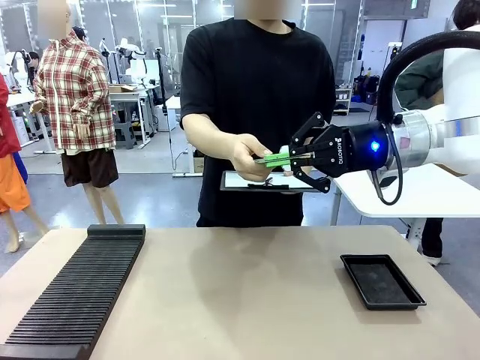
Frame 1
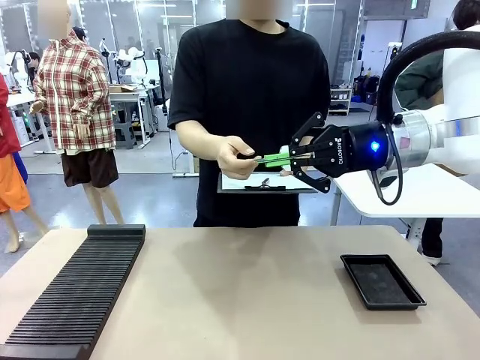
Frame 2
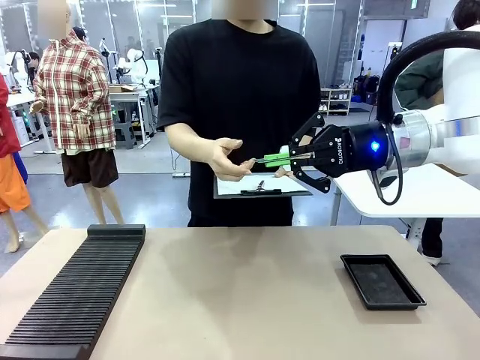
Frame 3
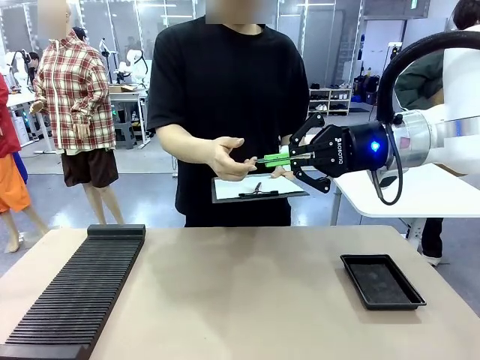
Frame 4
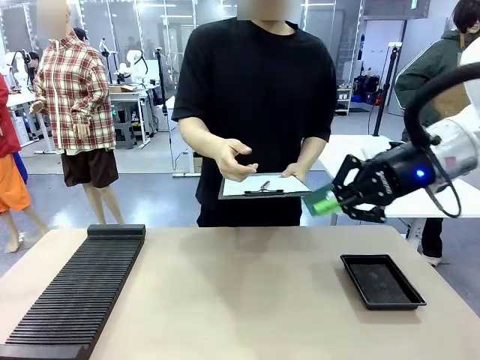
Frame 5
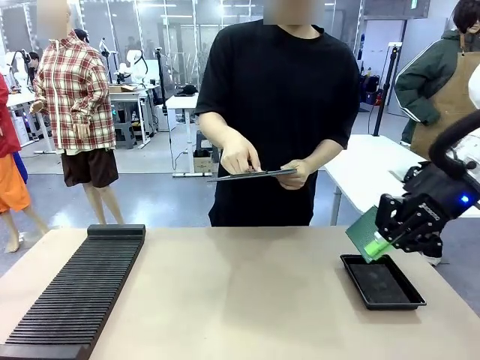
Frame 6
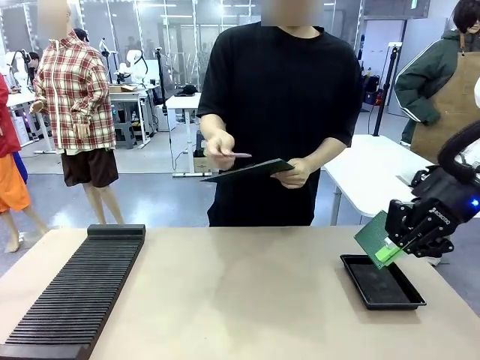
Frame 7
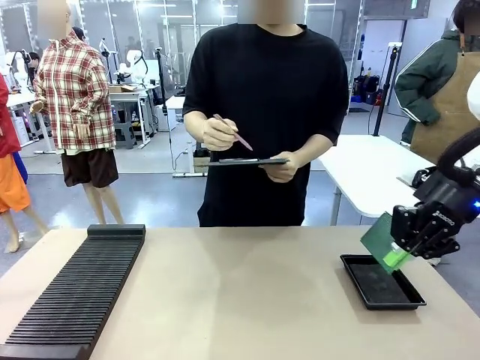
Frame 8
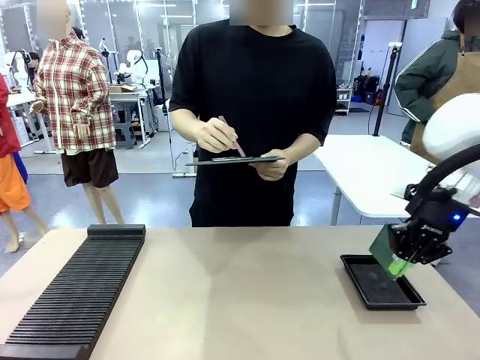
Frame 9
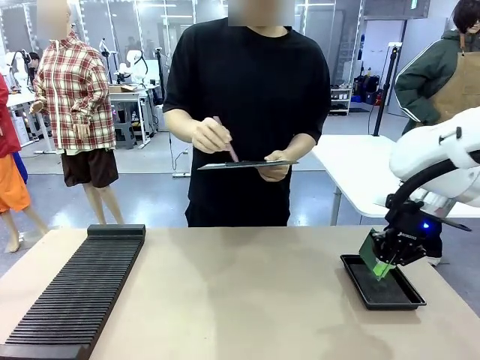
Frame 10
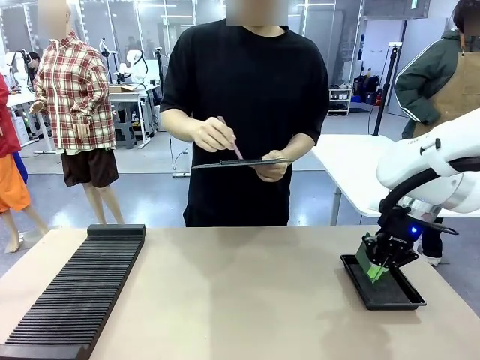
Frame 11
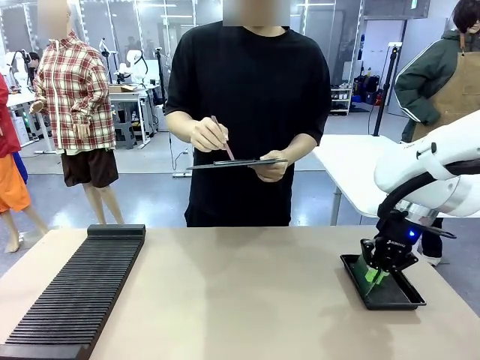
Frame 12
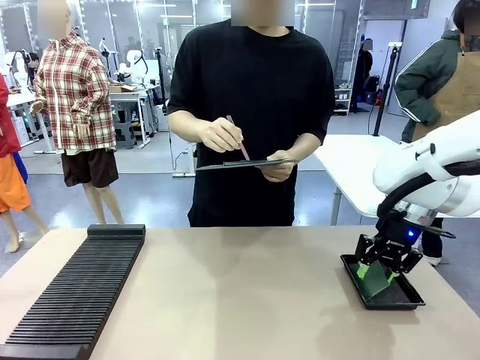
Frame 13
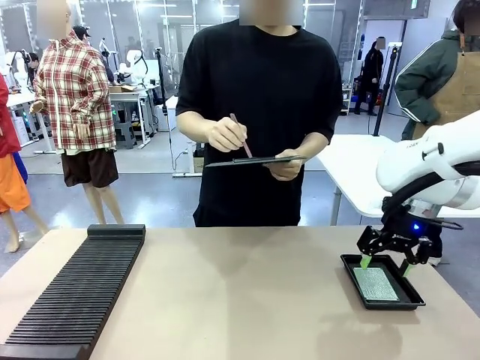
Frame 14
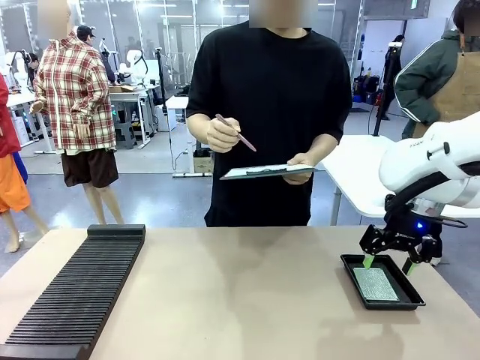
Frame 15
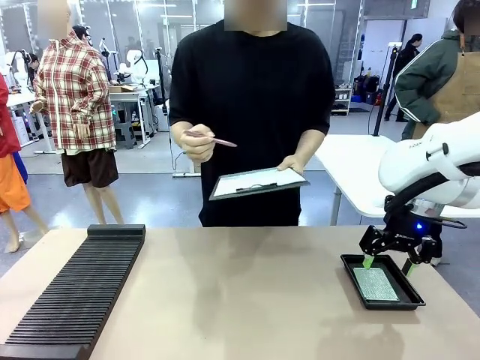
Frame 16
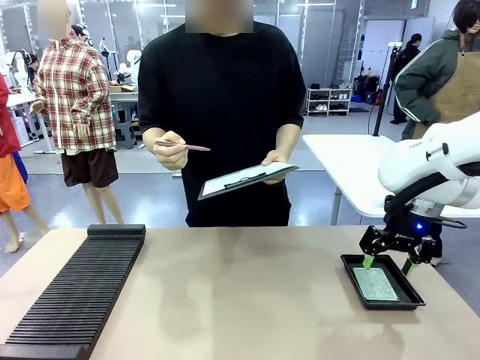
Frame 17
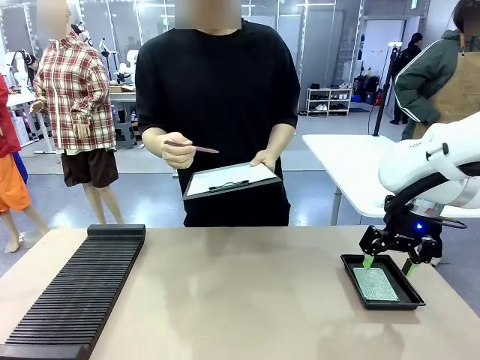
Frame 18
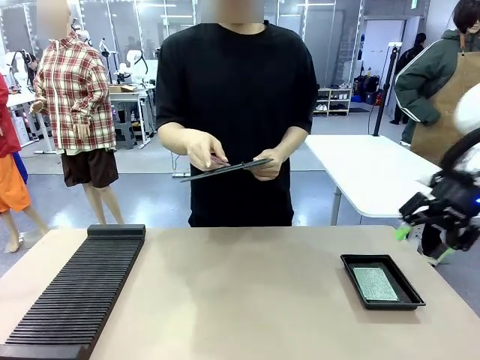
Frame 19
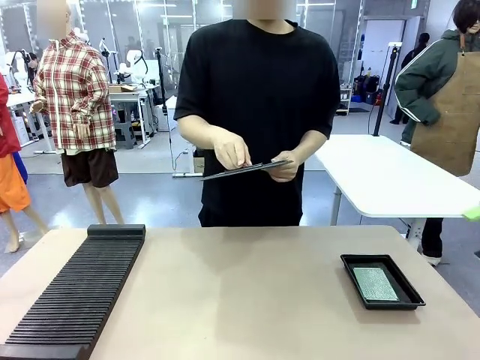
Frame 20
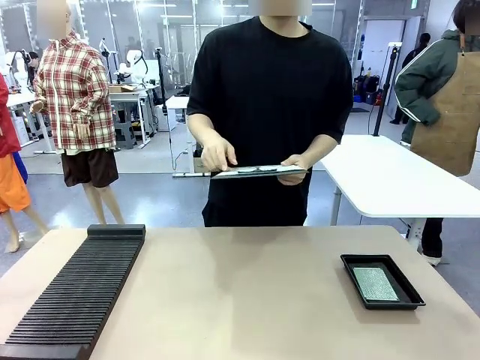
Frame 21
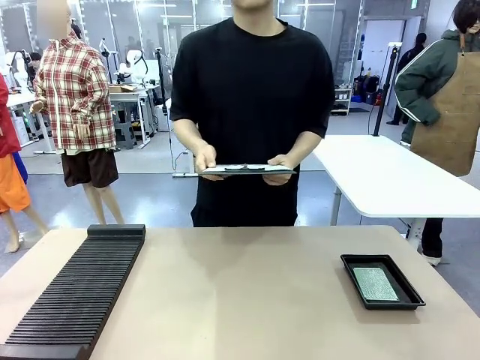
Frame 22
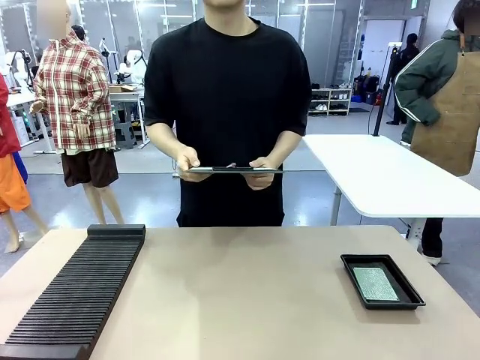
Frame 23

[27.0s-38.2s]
Task: Inspect the PCB.
Robot: Place the Blank PCB in the ESD tray.
Person: Record the PCB status on the paper.

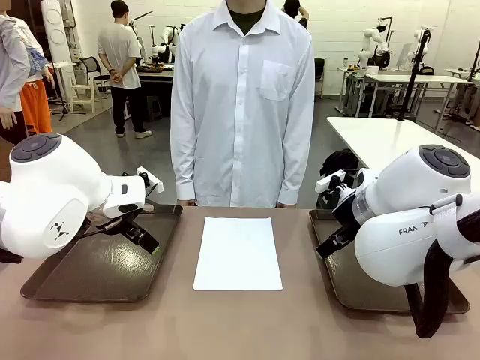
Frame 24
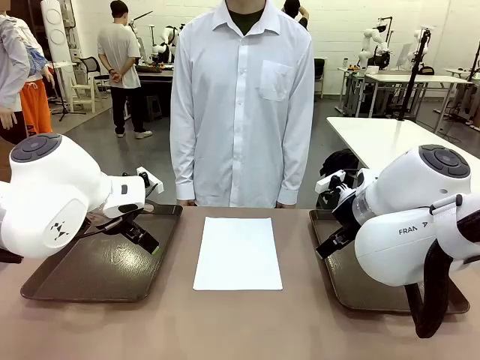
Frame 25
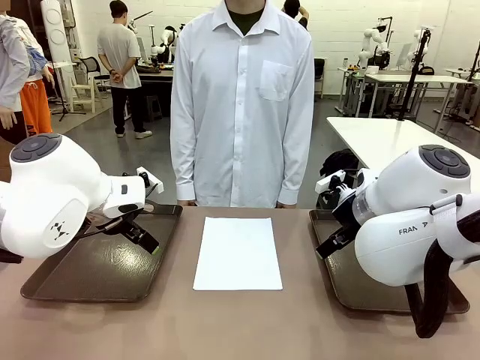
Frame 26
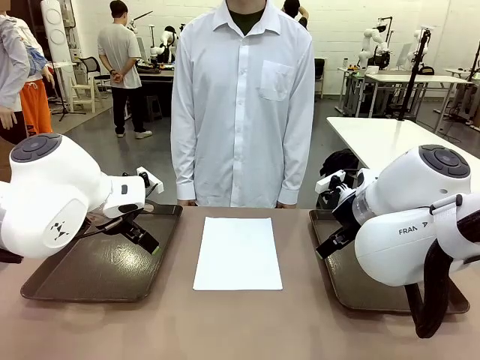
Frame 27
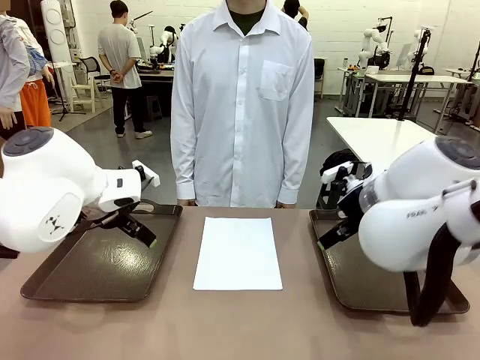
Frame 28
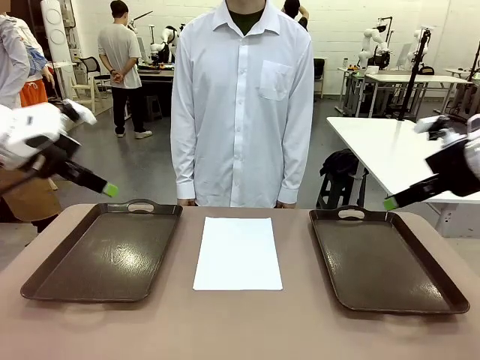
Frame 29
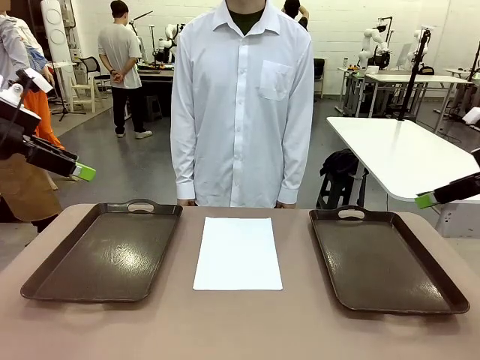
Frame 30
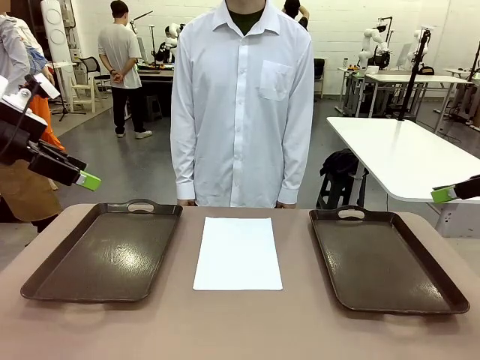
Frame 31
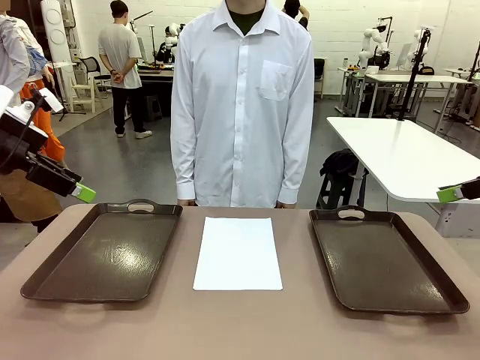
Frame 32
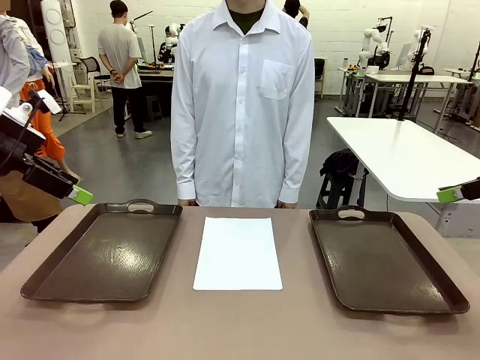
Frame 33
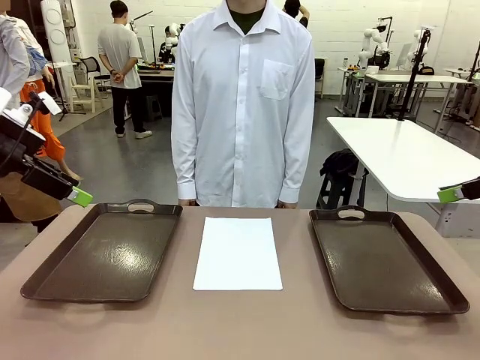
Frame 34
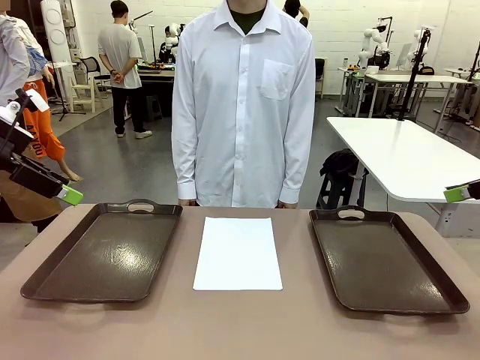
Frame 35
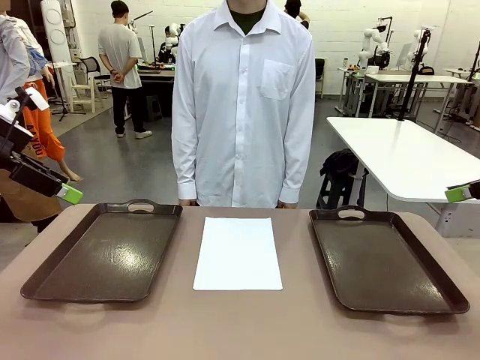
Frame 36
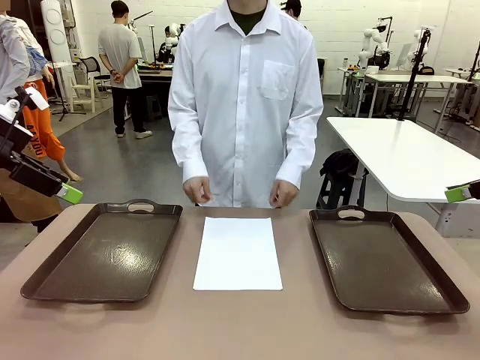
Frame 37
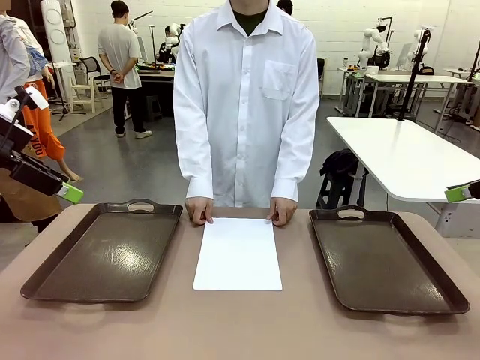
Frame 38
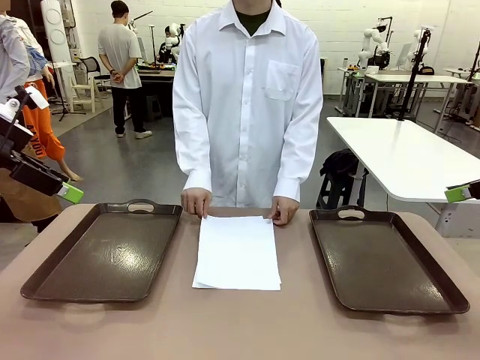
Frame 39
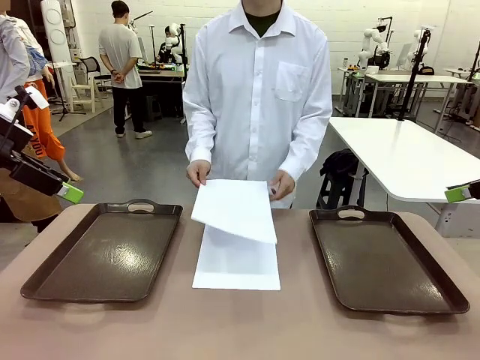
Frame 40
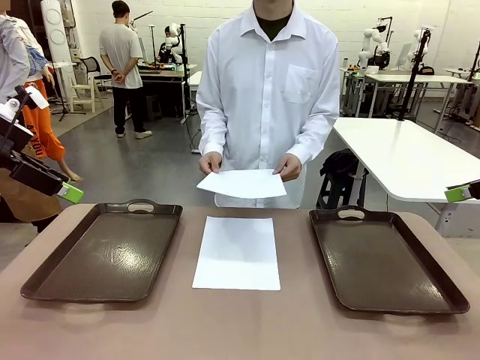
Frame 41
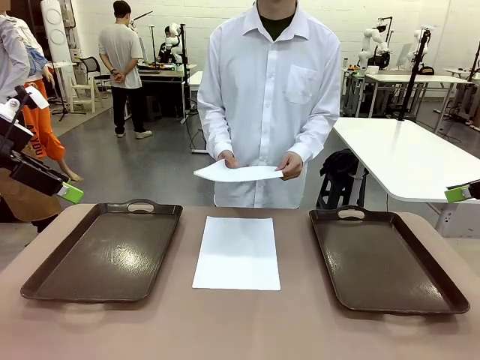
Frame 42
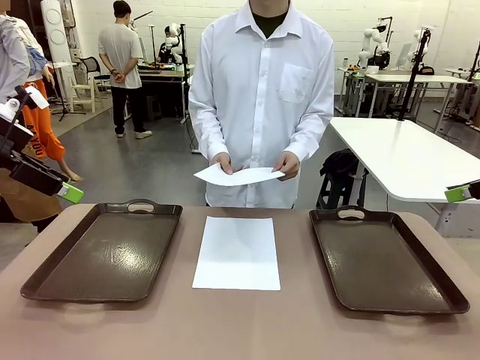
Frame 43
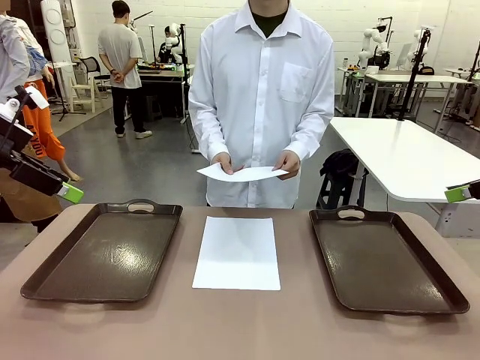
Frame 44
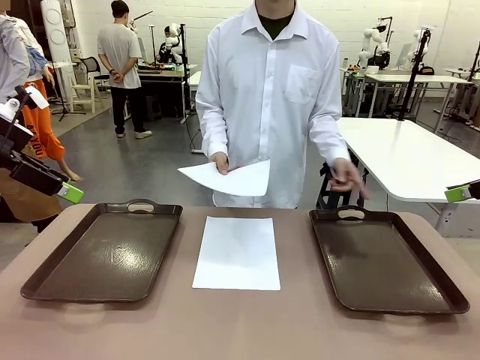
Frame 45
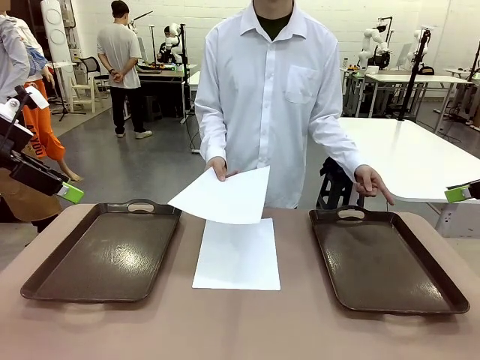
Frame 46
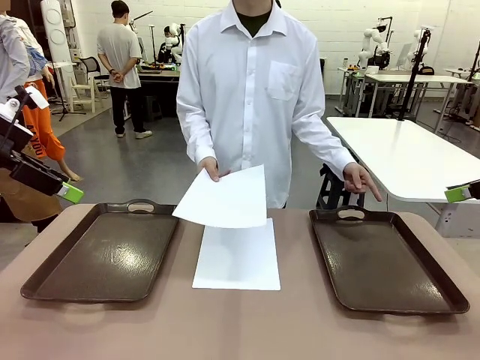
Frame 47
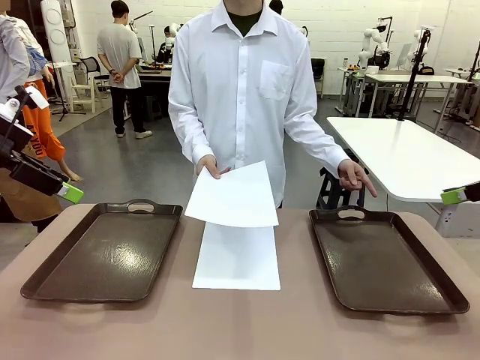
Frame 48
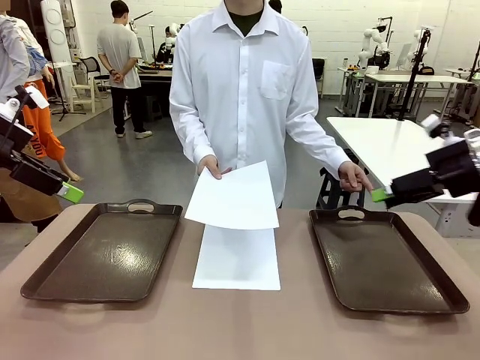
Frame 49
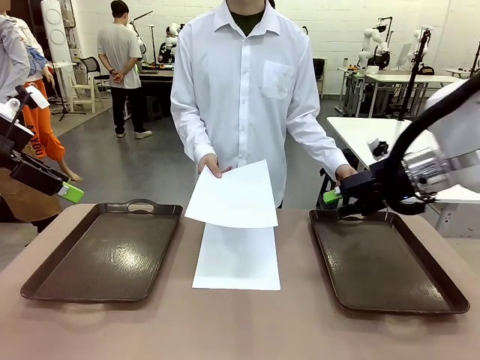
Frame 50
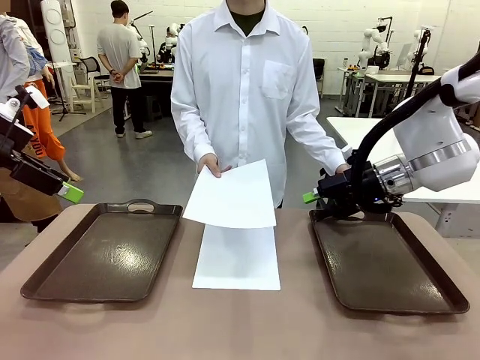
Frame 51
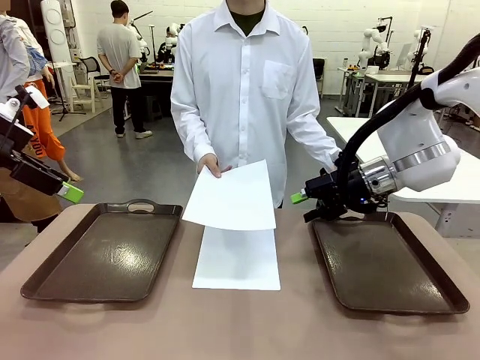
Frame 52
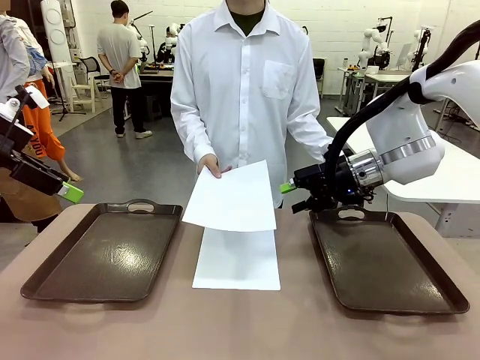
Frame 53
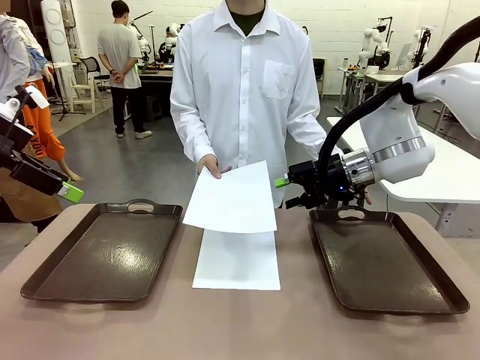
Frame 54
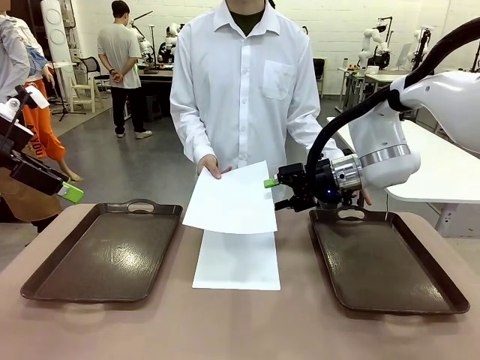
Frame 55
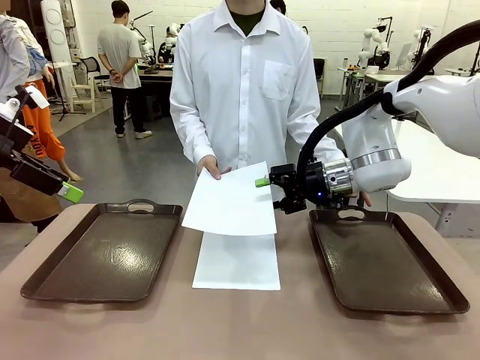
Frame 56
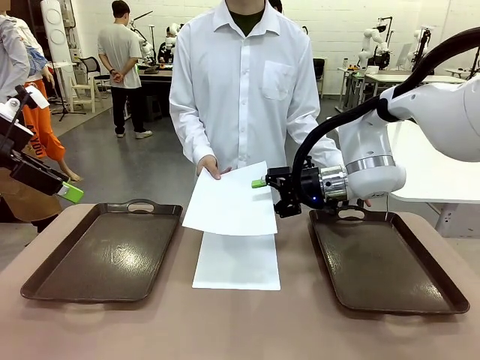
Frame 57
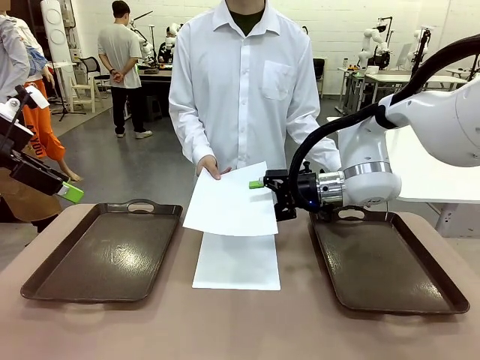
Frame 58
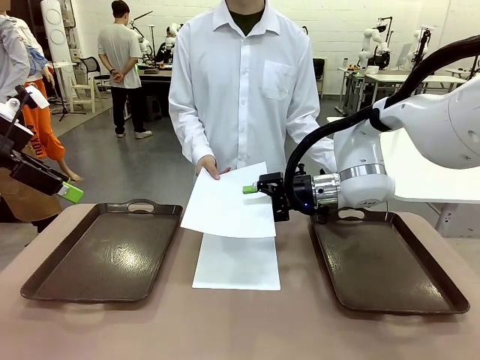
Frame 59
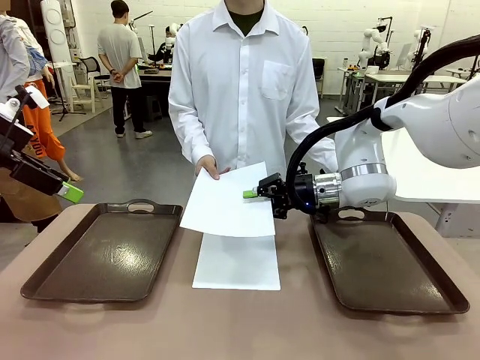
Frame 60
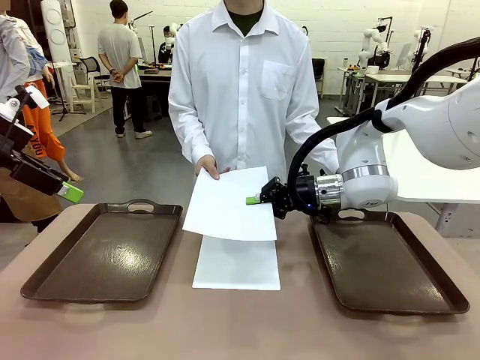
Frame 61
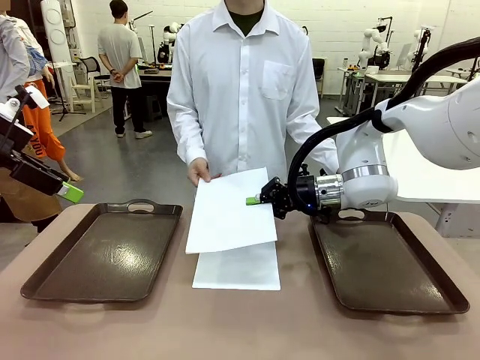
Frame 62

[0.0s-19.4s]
Task: Sort the A4 documents.
Robot: Receive the A4 Paper.
Person: Pick up a sheet of paper from the center of the table and hand it to the robot. Point the randomly selected tray with the other hand.
